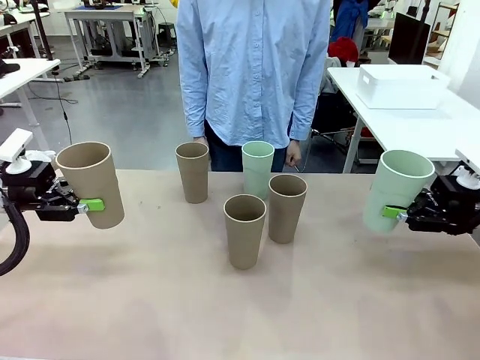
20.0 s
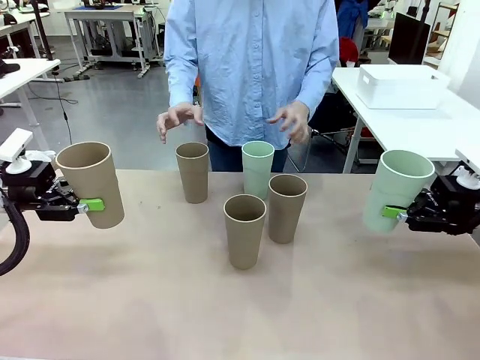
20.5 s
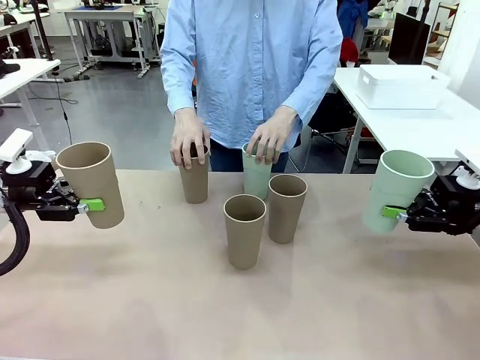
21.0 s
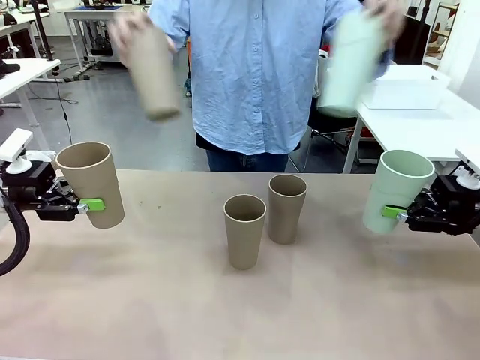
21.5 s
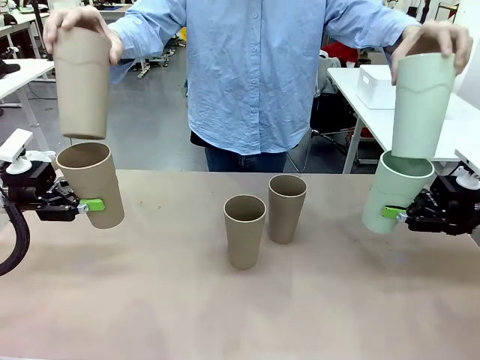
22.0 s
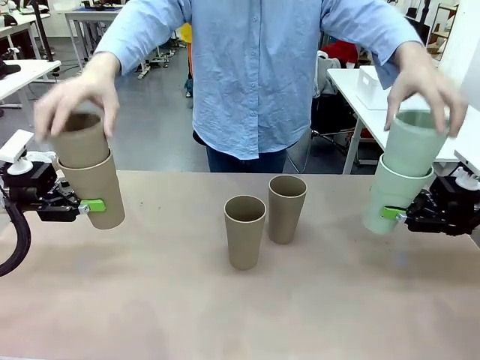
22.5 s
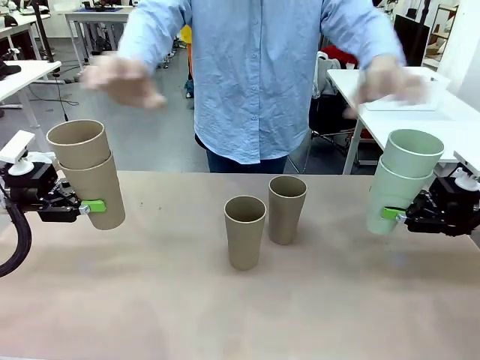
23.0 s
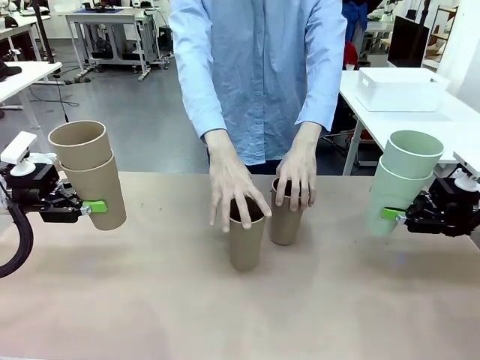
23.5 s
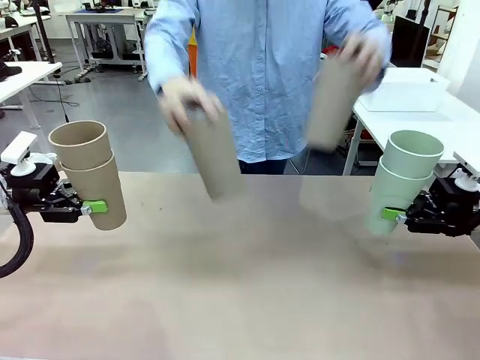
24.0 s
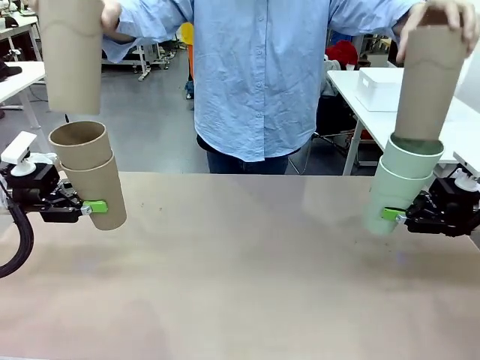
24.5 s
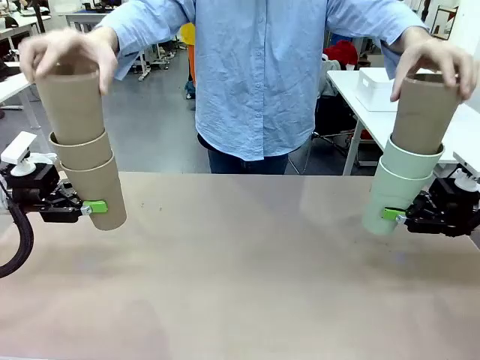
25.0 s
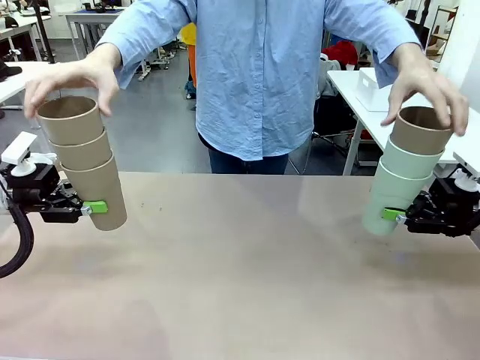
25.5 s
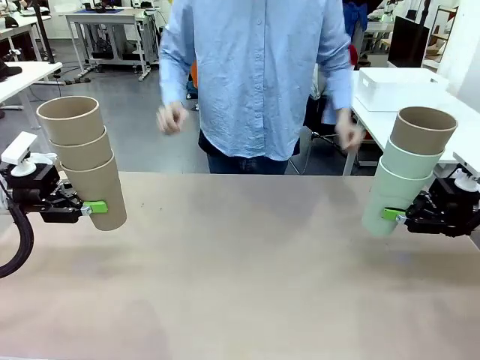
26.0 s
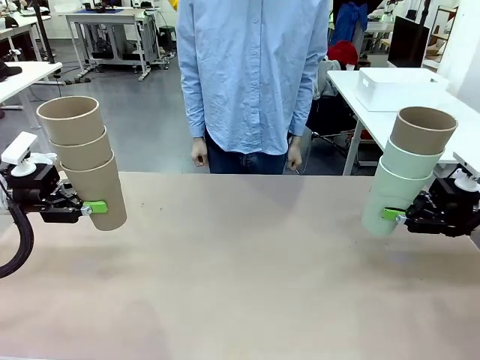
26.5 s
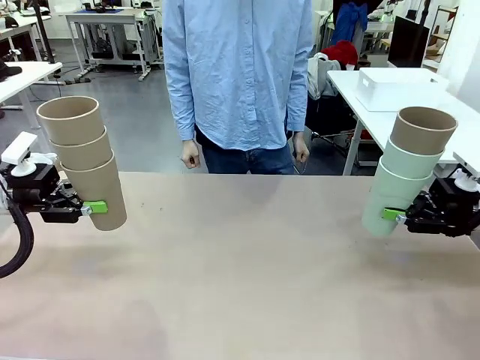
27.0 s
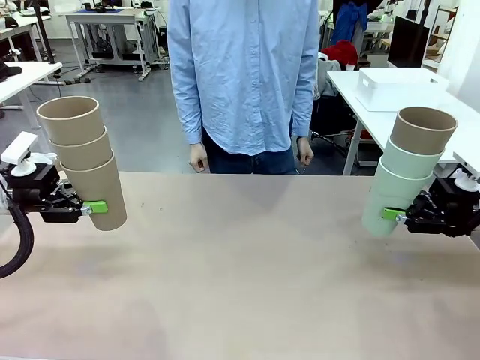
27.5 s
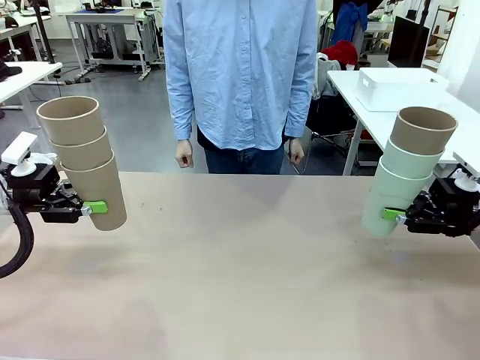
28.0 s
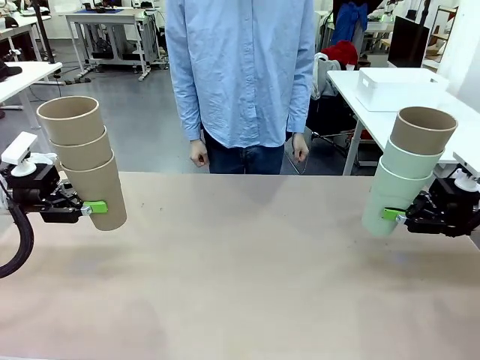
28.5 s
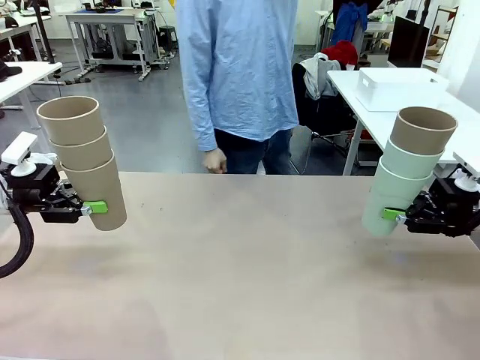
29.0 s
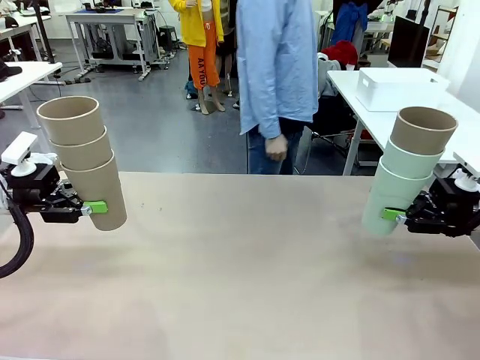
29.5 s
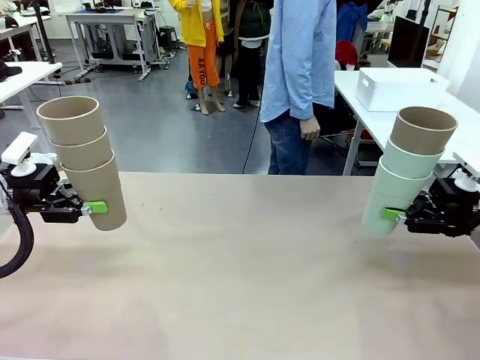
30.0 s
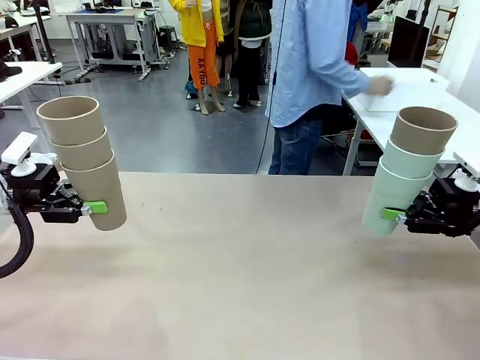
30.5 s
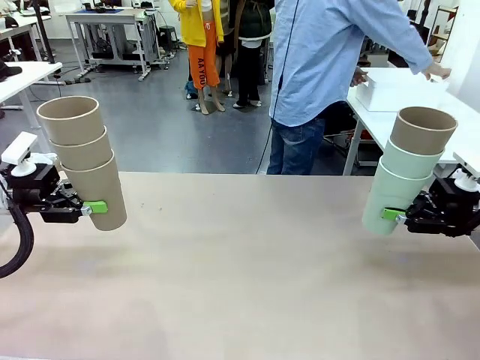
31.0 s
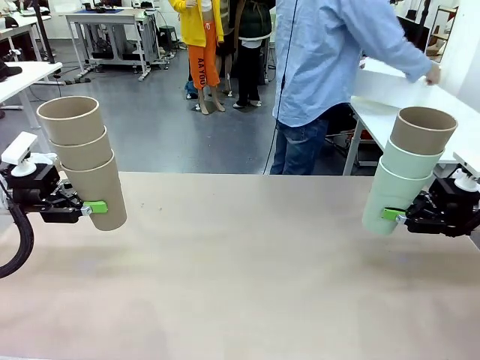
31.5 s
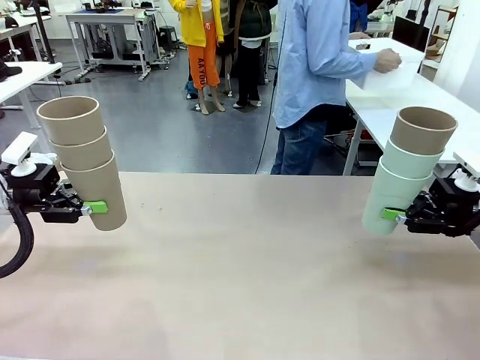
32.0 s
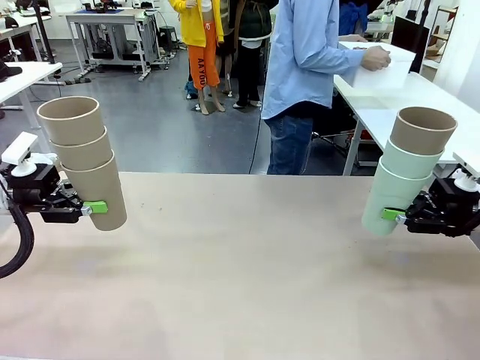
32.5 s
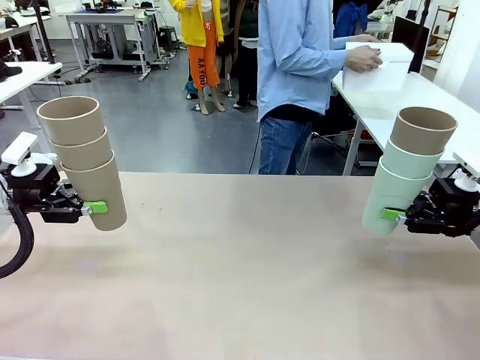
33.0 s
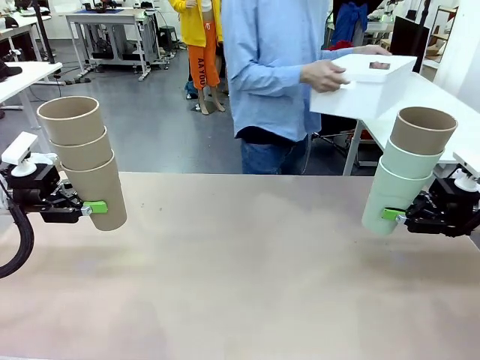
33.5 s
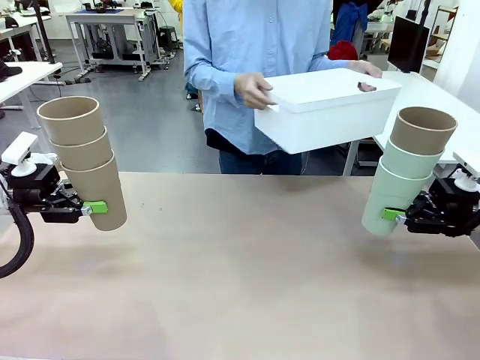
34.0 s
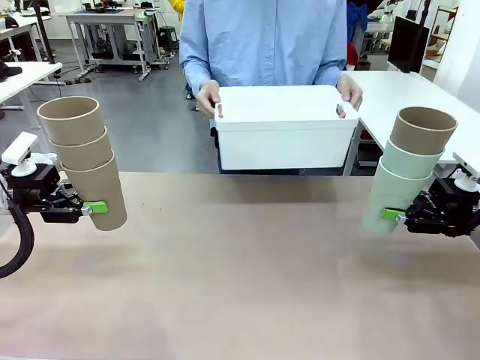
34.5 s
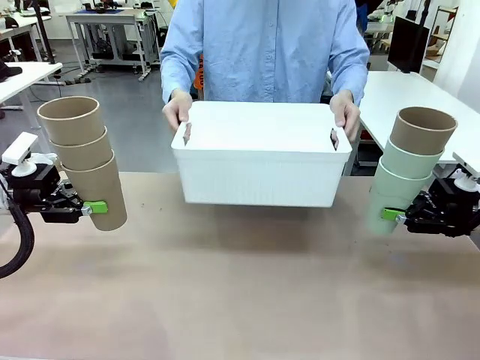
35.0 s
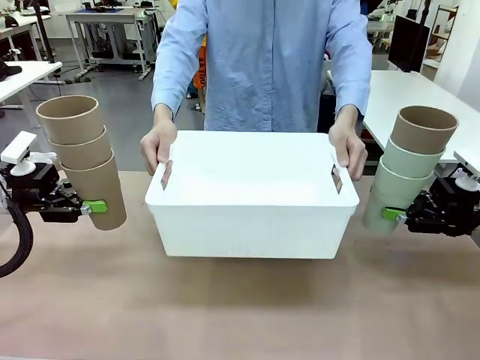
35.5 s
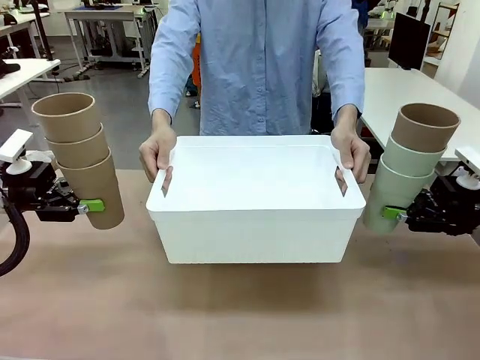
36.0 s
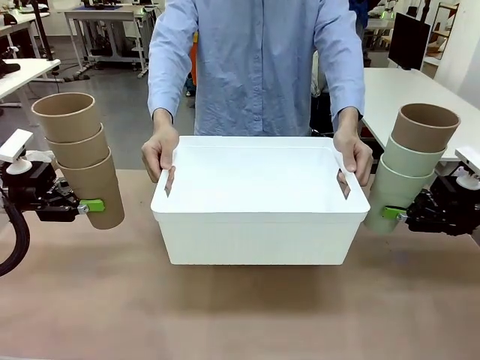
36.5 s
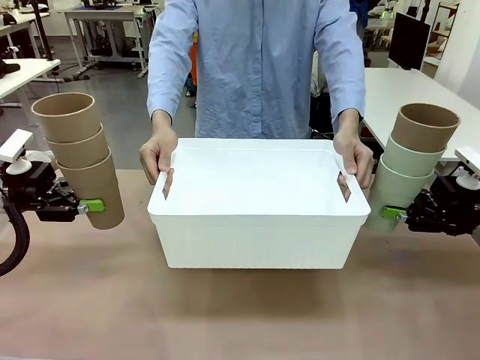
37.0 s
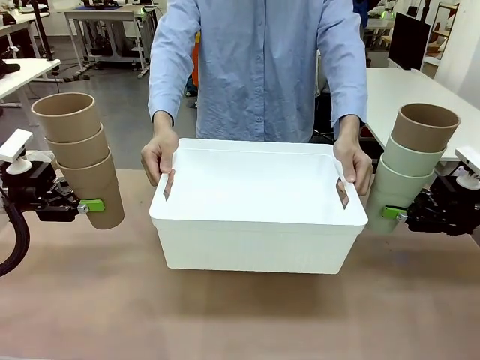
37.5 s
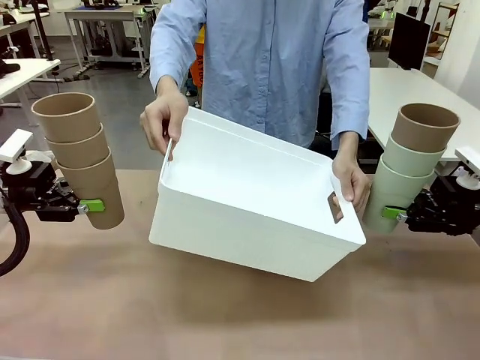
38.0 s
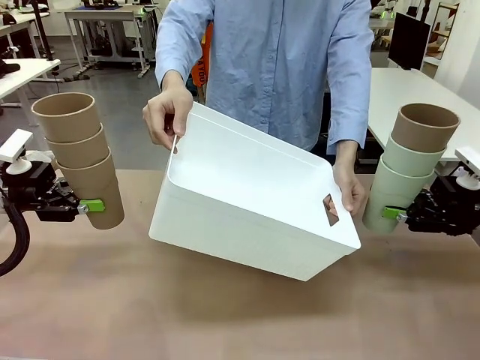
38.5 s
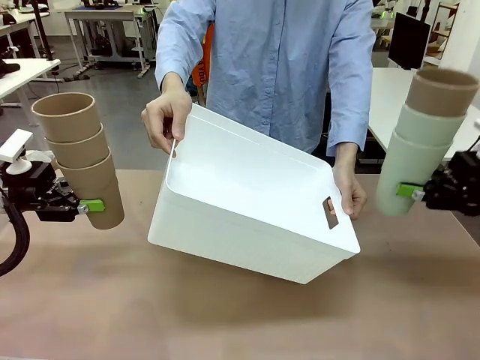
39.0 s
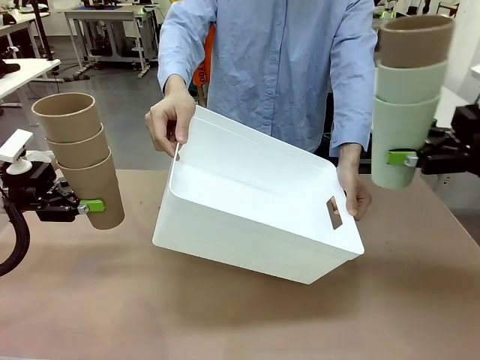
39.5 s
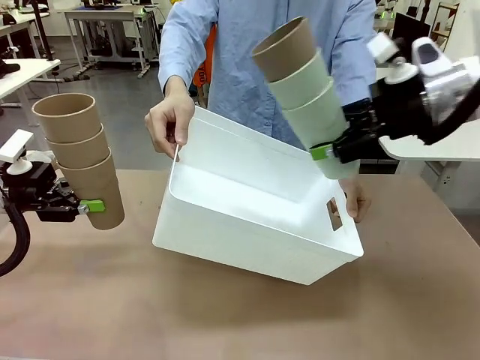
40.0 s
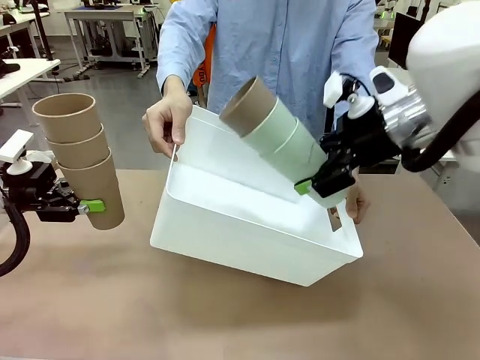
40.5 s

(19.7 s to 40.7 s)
Task: Stack the cups and store them in the basket.
Robot: Place the stack of Reusable plastic cups into the Pantry Basket.
Person: Pick up the basket from the Human Table, bring it to the front of the robot, and present it.

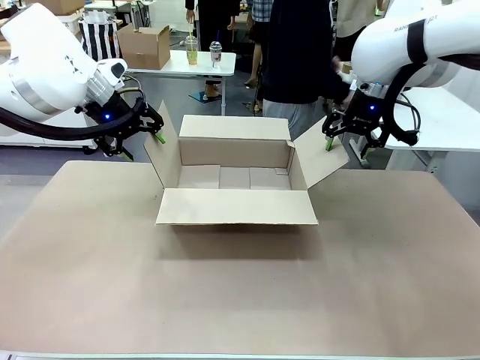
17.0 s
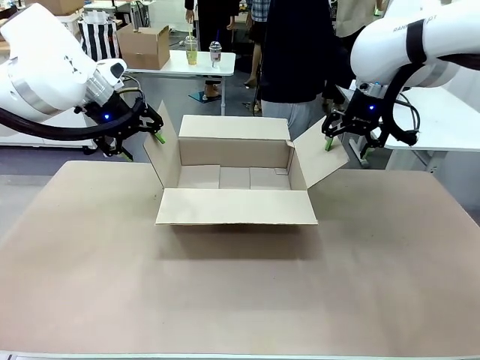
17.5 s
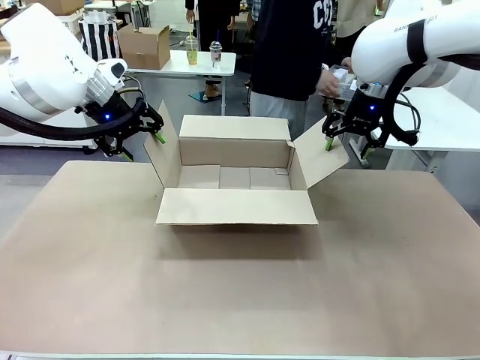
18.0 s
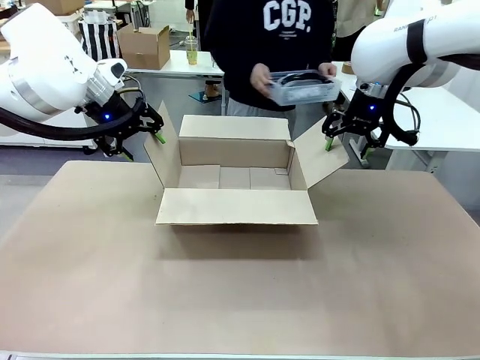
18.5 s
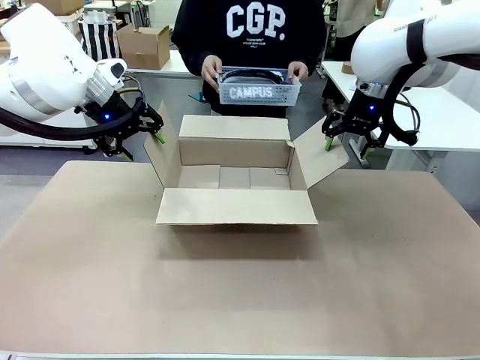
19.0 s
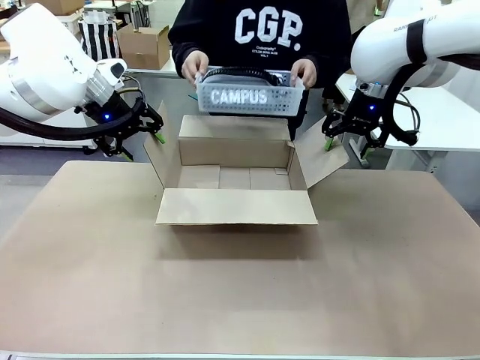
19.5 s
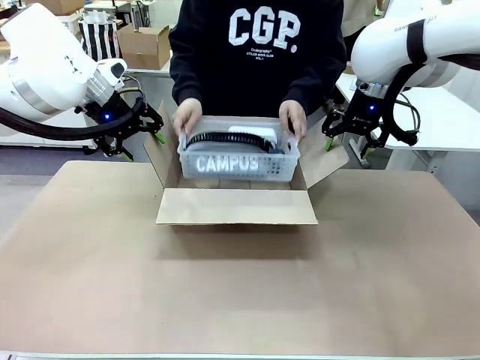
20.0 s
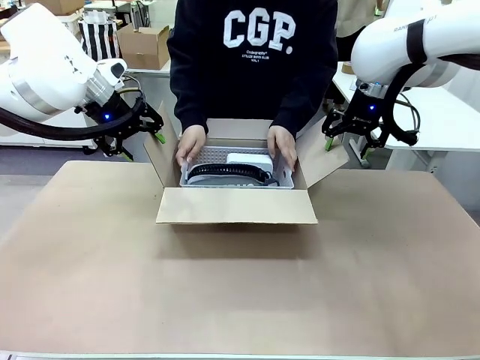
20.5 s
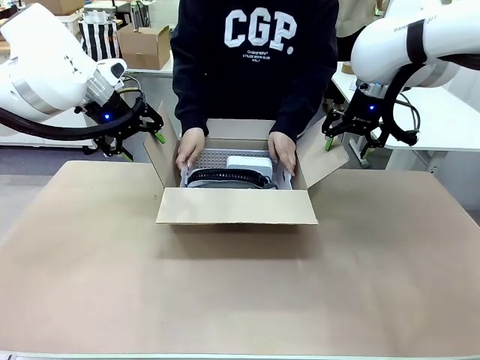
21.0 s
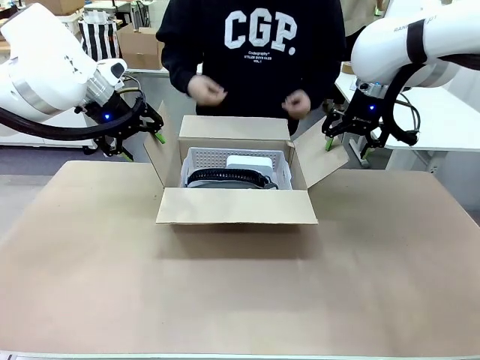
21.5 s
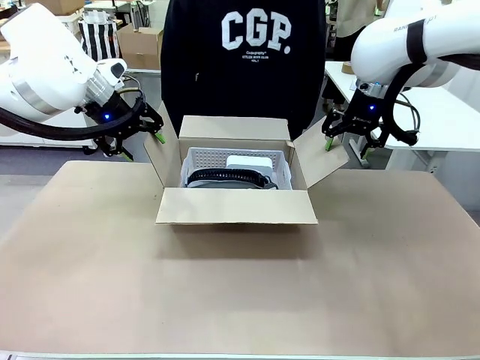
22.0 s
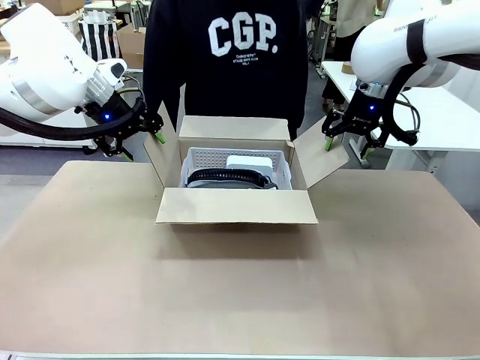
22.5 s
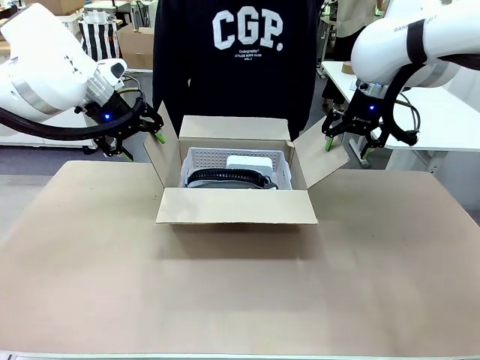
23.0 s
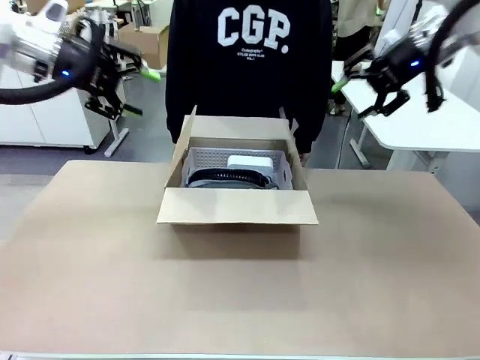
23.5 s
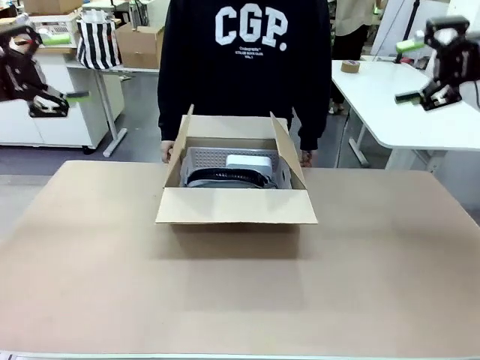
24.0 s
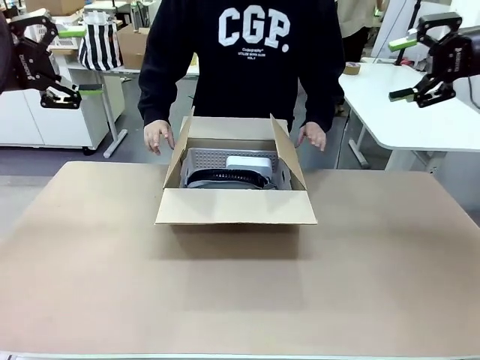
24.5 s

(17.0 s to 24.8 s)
Task: Pack the gift set into the box.
Robot: Lift both hands away from the flaps of the Package Box.
Person: The human picks up the organizing basket and places the organizing basket into the package box on the robot table.
